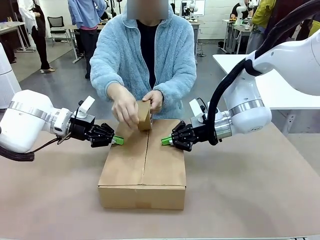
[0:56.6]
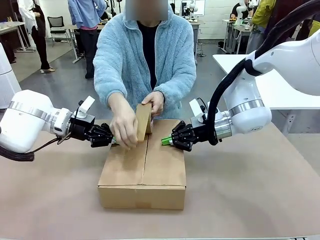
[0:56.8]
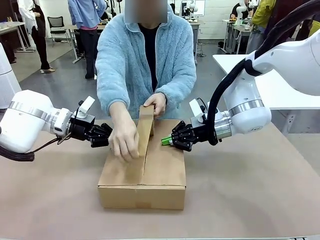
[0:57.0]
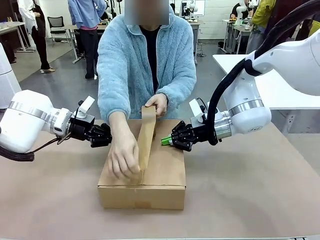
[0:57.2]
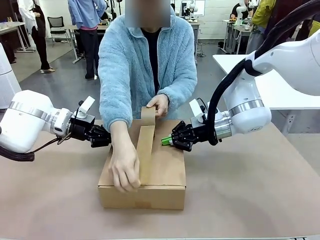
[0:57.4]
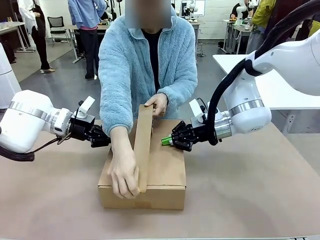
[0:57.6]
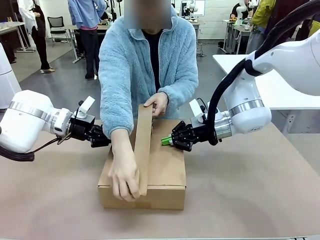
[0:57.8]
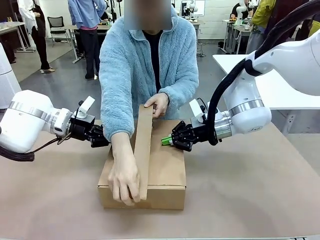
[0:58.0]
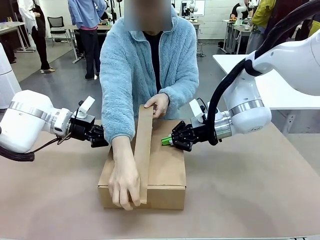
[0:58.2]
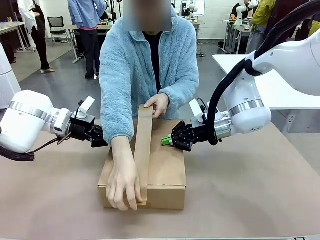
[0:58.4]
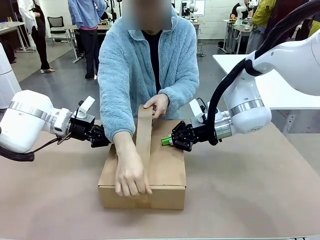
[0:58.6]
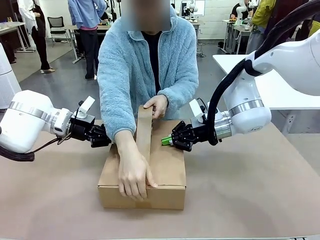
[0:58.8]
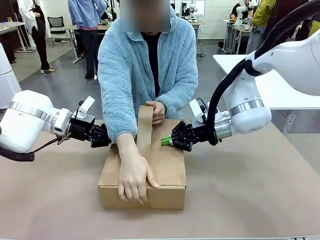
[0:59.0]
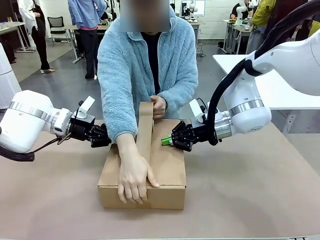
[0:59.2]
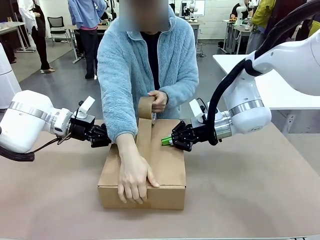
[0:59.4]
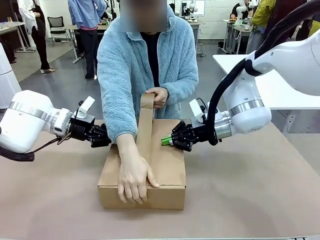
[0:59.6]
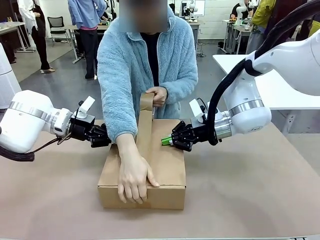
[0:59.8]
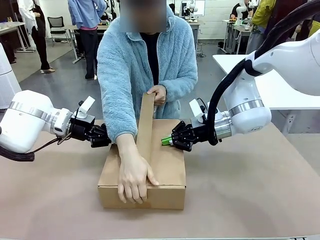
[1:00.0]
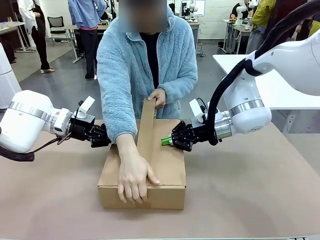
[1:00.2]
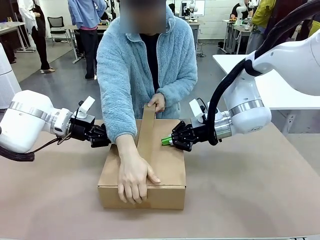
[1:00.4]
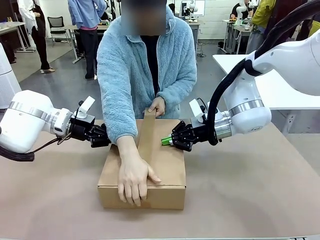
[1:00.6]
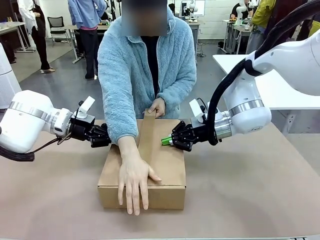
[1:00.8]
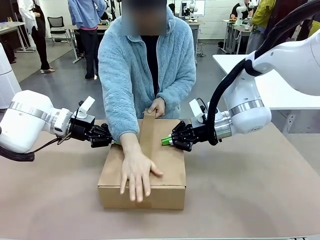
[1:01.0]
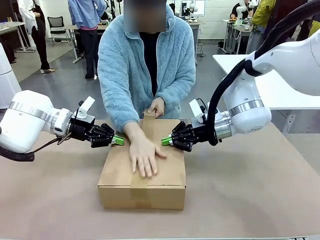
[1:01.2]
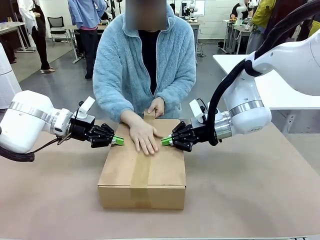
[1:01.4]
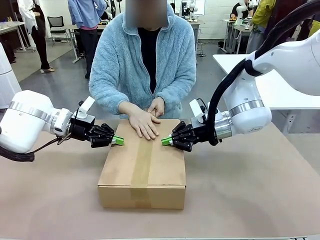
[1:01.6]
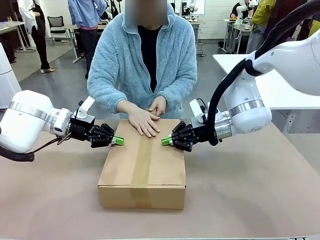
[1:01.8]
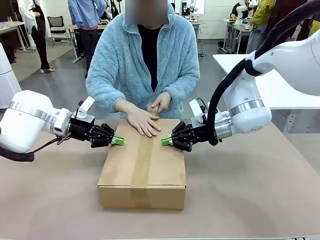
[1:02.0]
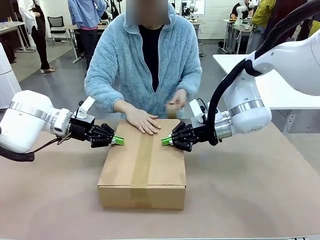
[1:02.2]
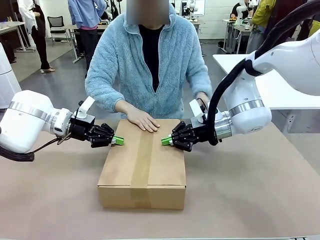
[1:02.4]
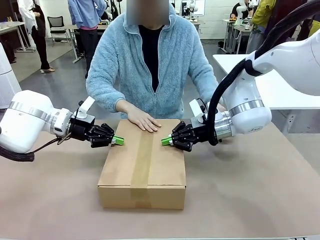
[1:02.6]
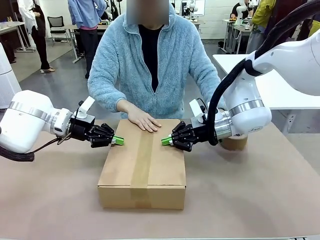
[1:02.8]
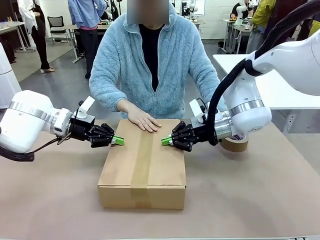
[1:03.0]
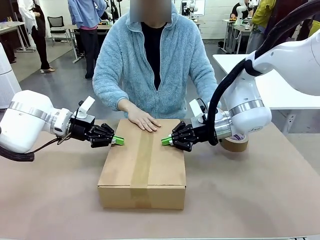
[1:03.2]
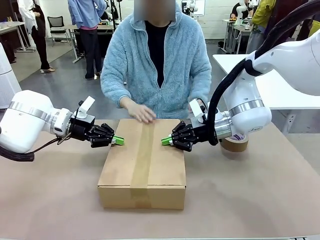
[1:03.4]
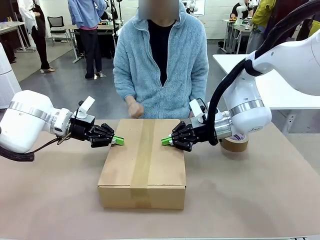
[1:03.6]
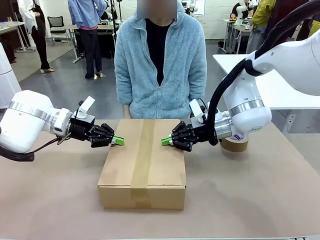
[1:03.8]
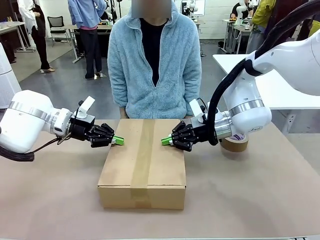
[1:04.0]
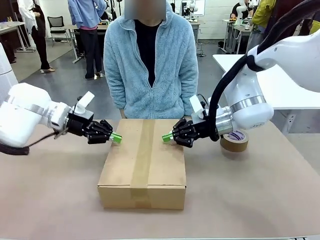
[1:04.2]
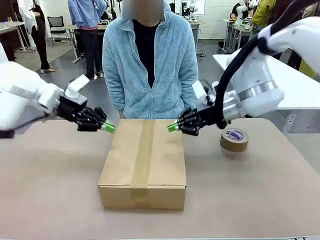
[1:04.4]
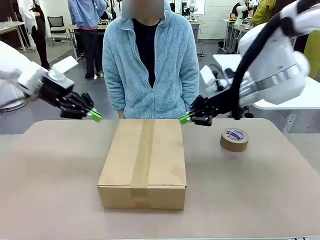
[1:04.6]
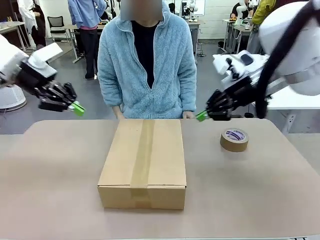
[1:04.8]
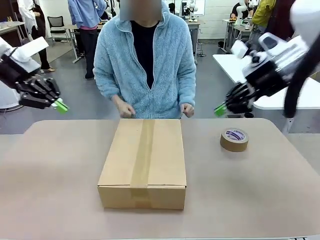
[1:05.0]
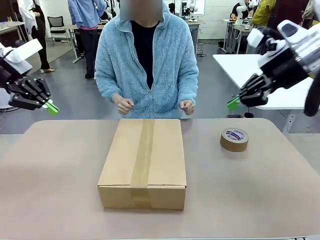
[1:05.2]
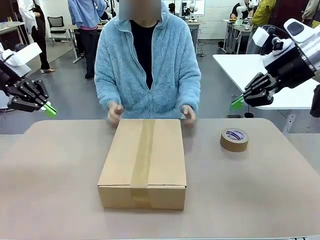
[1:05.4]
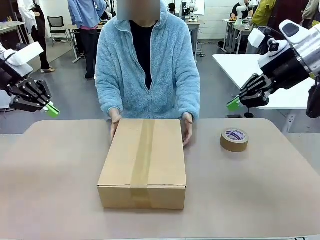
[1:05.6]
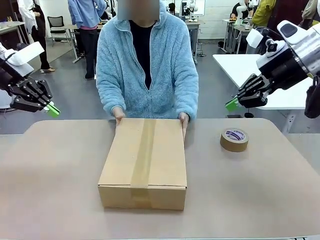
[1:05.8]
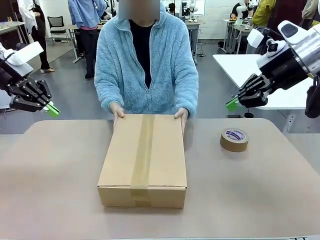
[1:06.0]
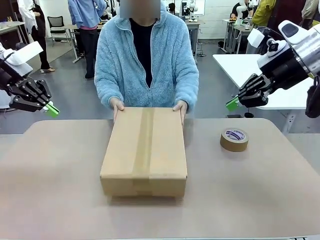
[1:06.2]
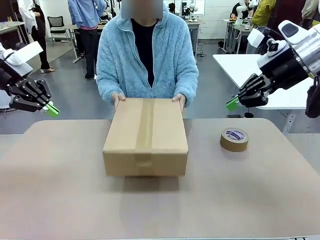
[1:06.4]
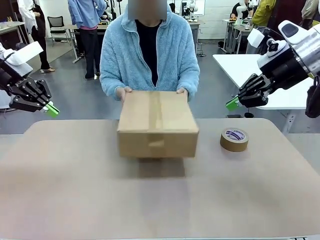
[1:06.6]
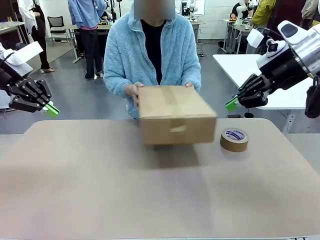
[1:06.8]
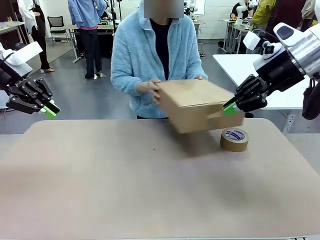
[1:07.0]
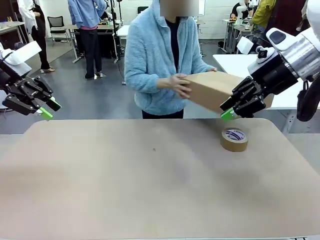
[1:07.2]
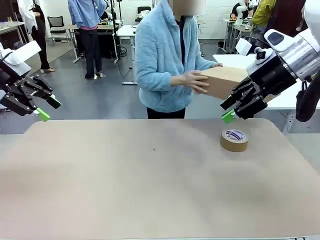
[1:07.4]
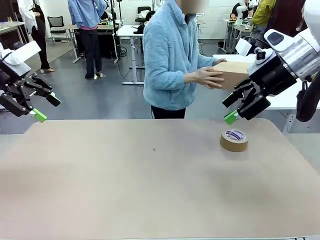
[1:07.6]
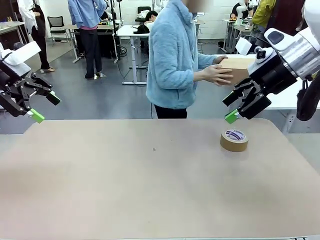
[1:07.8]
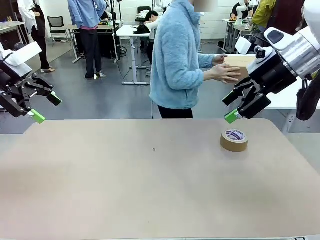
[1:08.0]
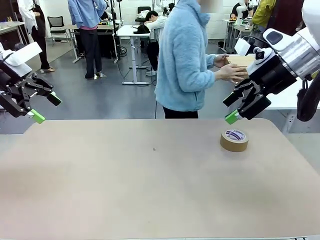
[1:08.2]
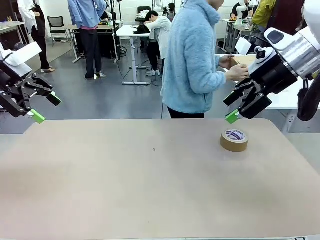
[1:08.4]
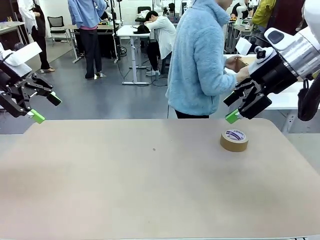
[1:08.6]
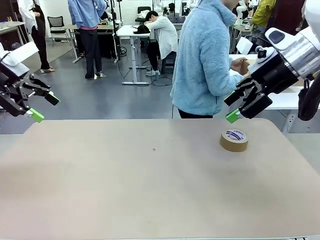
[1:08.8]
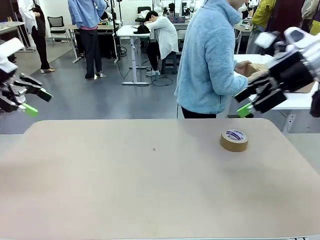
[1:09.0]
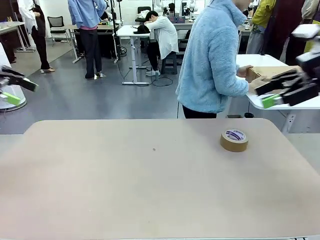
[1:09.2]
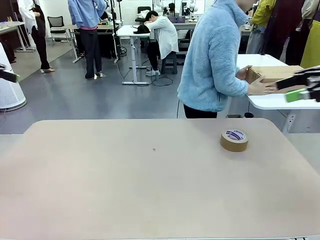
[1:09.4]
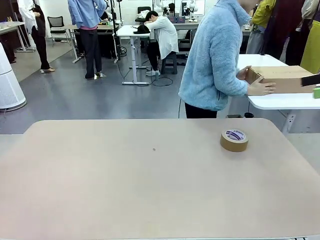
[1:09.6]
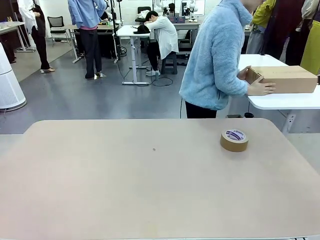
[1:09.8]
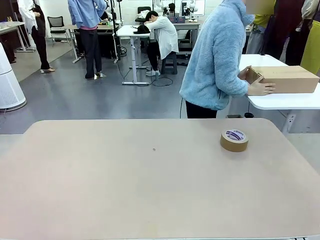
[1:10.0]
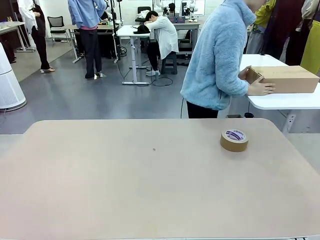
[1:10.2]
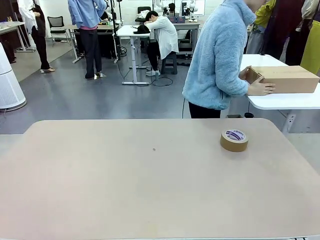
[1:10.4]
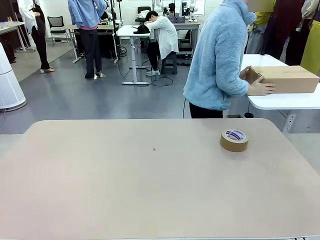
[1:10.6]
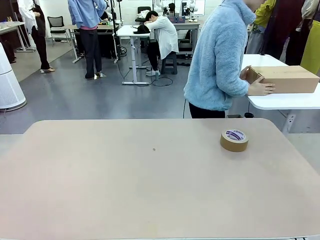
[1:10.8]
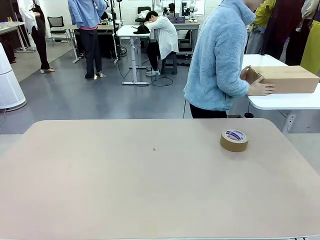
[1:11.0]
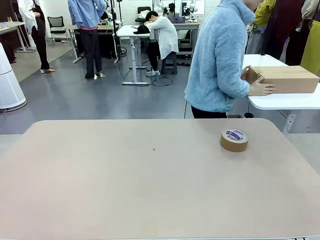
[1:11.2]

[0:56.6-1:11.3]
Task: Wrap the clocks to prevent damage.
Robot: After the human seals the box with tape, release both hands from the side flaps of the Package Box.
Person: Once the robot closes the left flap of the Package Box , seal the box with Paper Tape. Place sealed Package Box in the middle of the human's table.

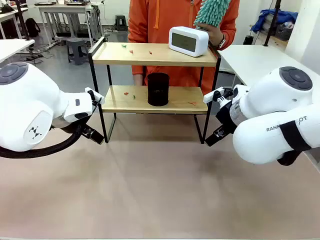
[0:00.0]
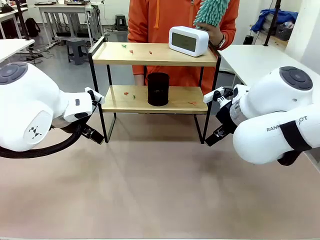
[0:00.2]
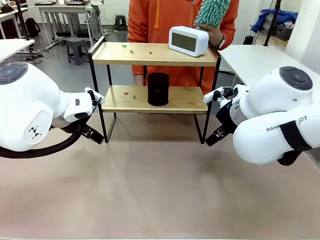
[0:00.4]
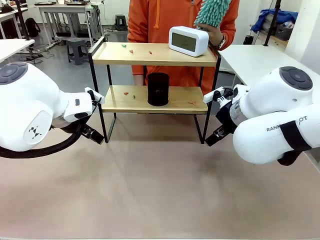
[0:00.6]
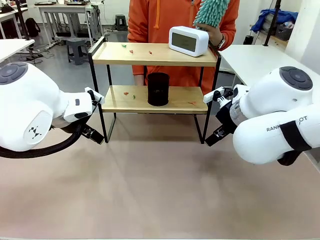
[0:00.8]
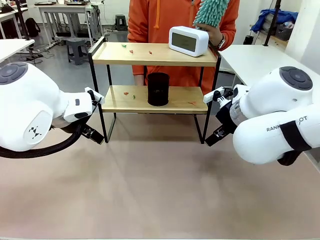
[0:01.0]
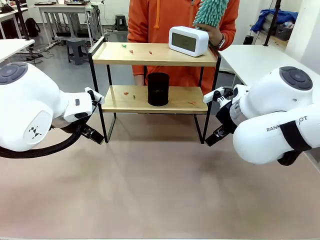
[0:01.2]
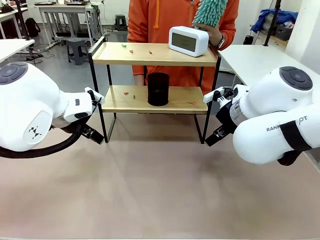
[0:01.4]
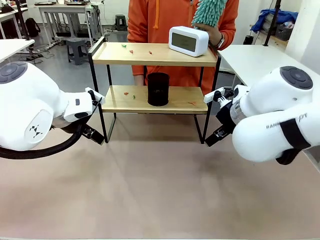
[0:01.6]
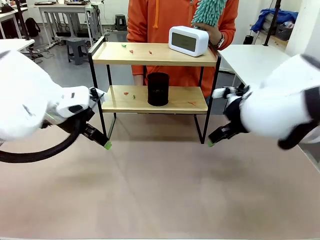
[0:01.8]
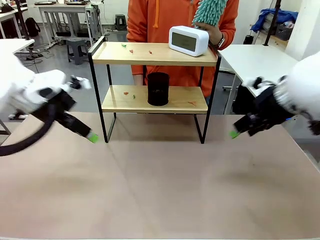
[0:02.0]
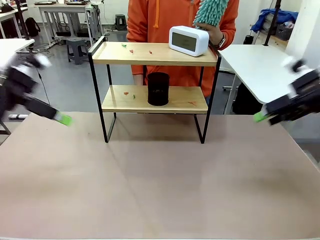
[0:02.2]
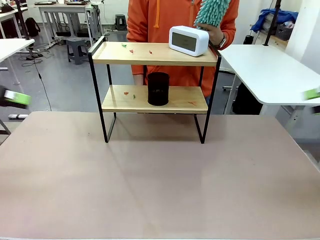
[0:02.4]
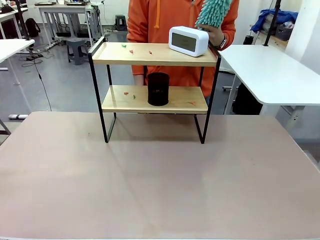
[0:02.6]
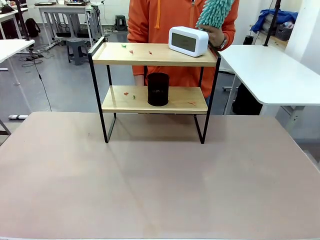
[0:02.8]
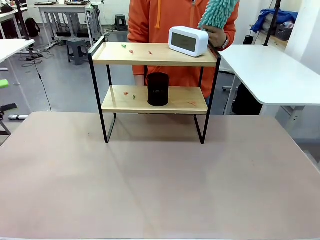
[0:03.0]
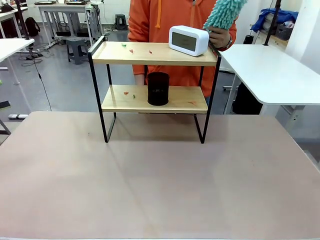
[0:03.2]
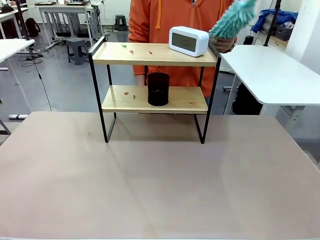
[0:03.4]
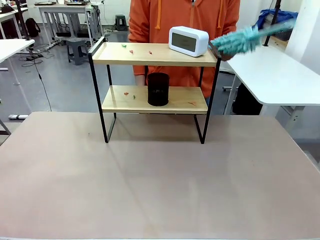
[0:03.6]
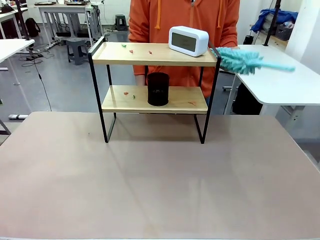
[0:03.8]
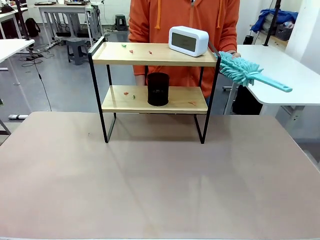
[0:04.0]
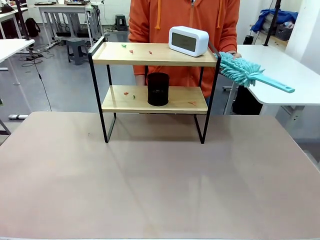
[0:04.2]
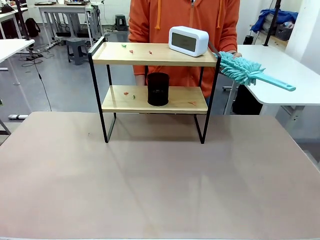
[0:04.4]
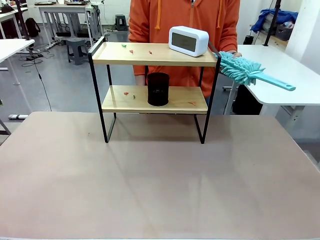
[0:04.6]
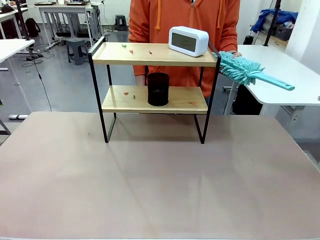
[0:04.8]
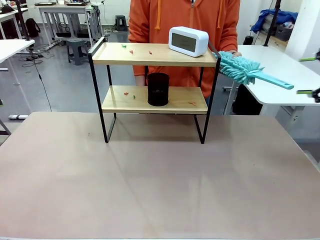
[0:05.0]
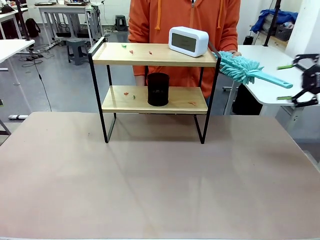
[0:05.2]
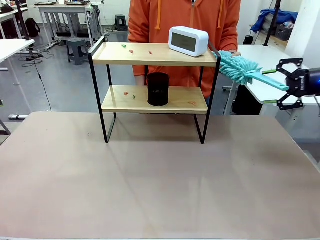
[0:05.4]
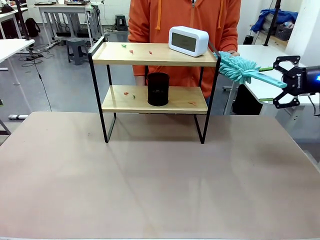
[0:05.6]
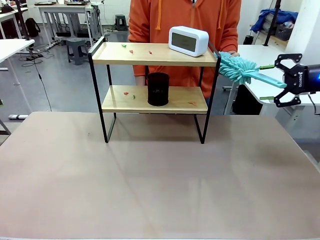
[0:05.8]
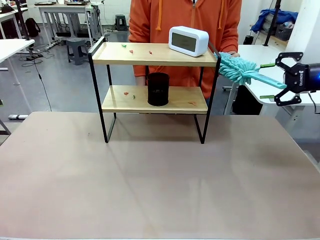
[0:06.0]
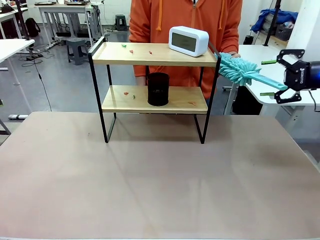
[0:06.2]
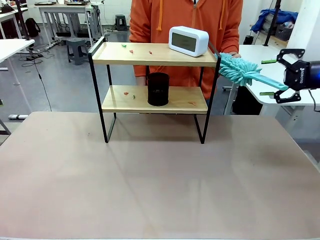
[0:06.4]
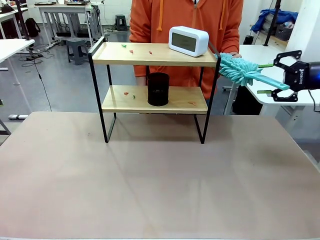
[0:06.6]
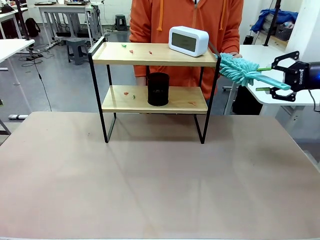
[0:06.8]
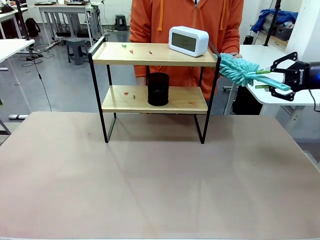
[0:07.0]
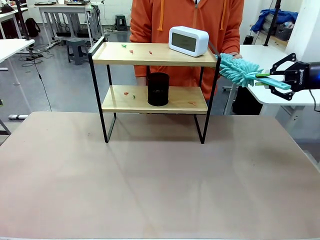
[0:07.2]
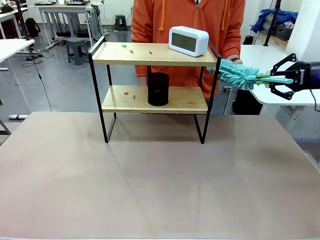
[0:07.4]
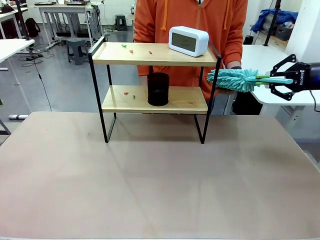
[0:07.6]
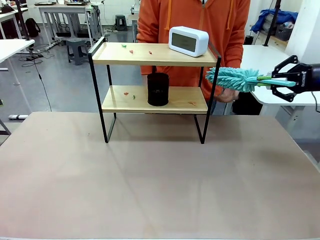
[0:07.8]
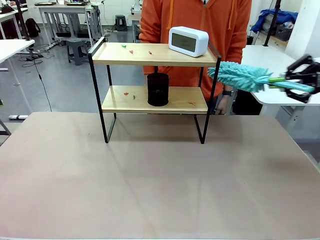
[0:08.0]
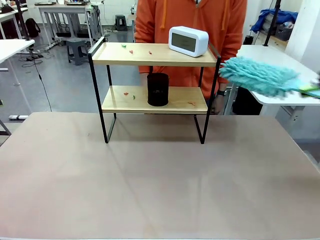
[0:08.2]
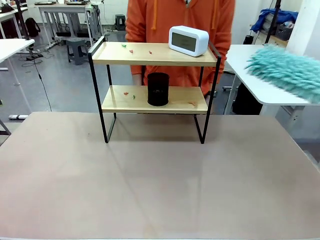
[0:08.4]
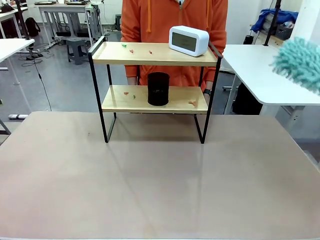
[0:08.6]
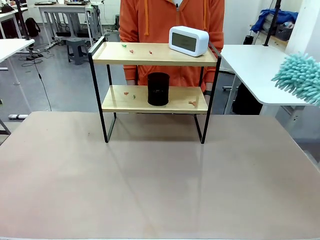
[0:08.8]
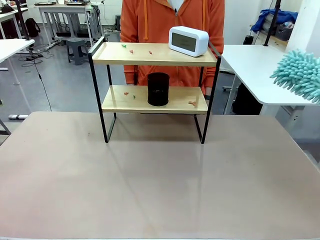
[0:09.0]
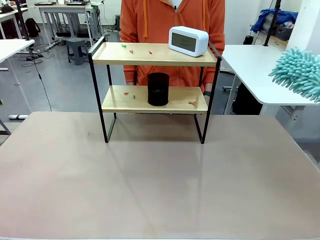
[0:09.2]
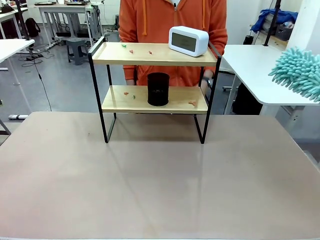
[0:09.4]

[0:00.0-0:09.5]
Task: Clean the shelf.
Robot: Pick up the Duster from the human.
Person: Hand the Duster to the robot.
